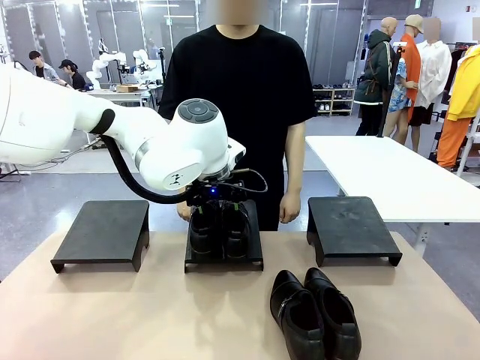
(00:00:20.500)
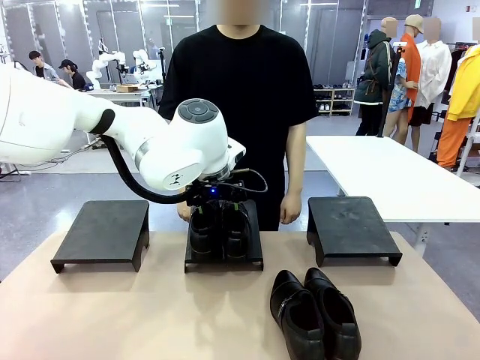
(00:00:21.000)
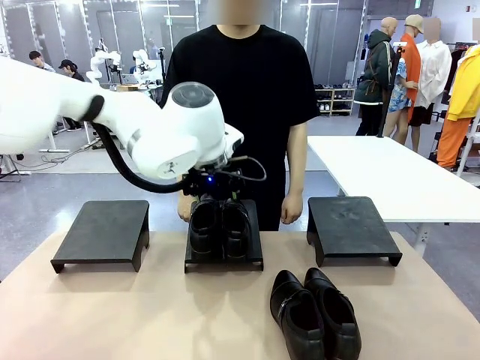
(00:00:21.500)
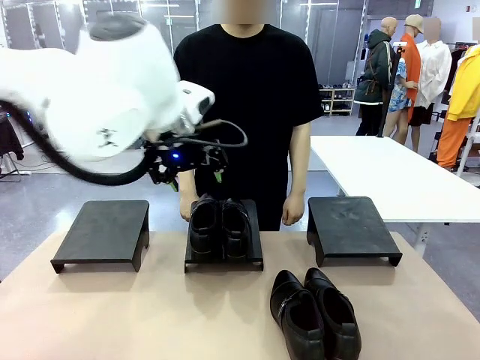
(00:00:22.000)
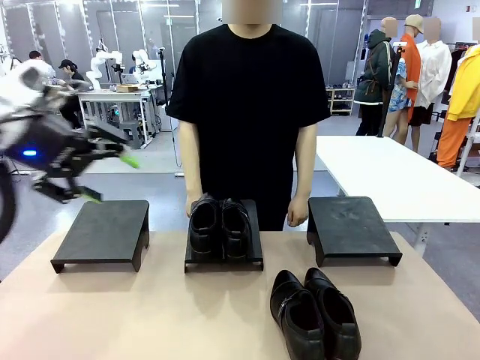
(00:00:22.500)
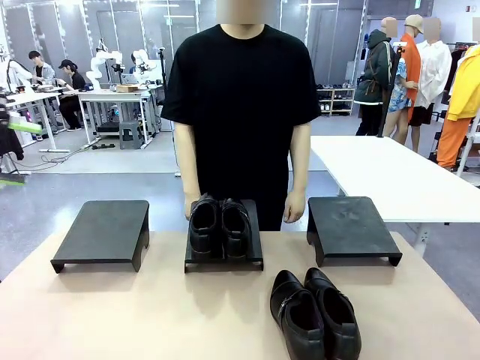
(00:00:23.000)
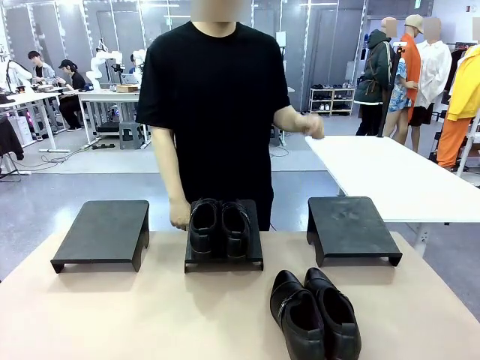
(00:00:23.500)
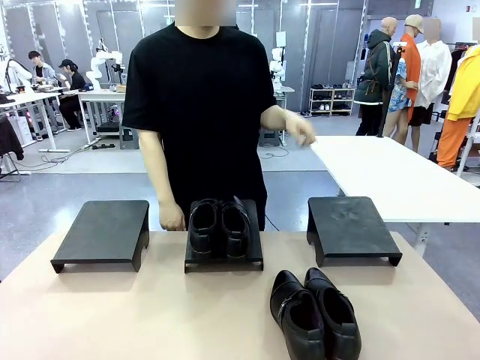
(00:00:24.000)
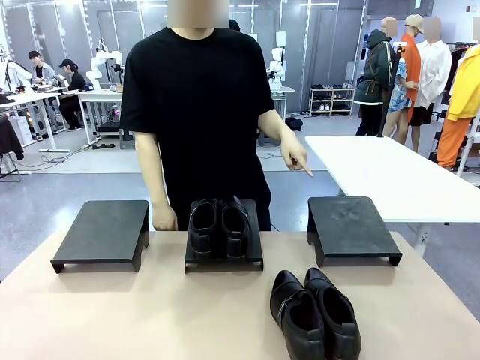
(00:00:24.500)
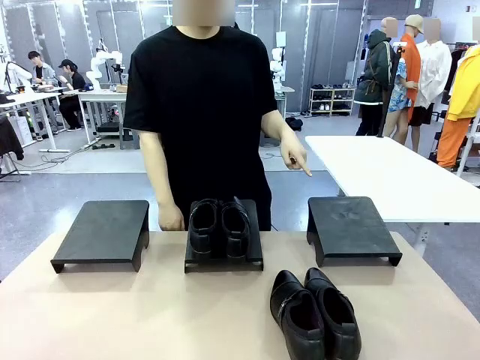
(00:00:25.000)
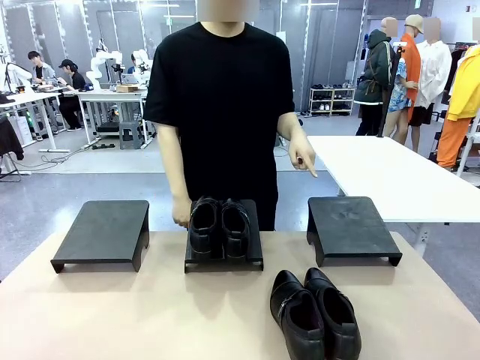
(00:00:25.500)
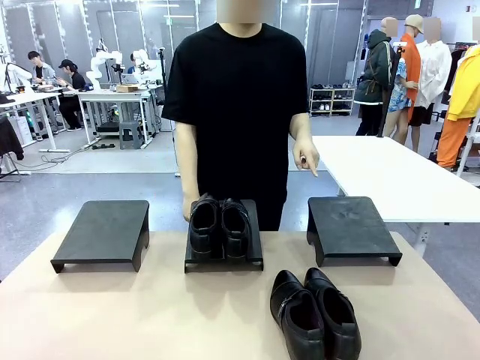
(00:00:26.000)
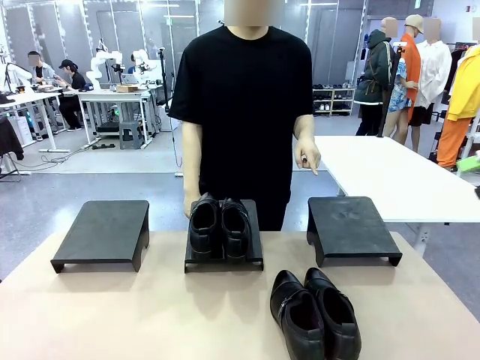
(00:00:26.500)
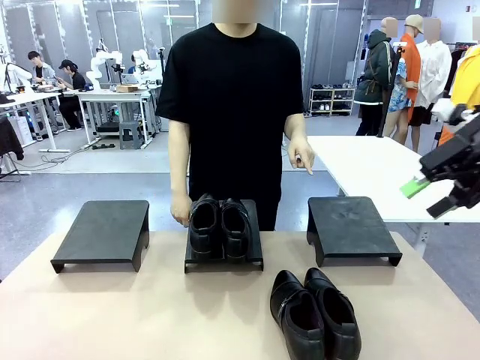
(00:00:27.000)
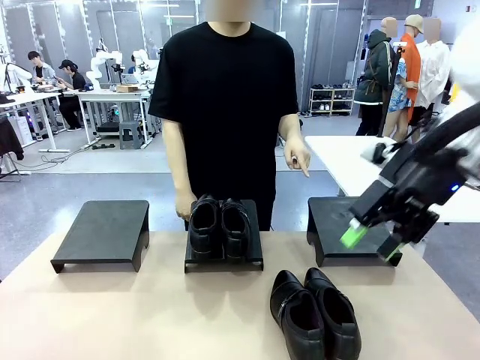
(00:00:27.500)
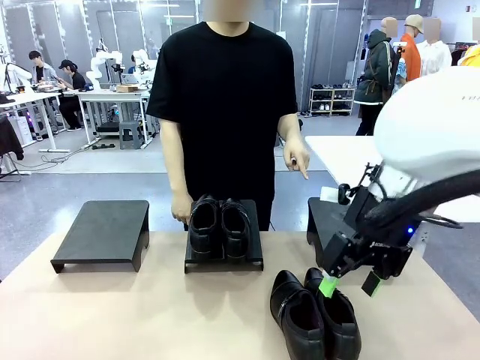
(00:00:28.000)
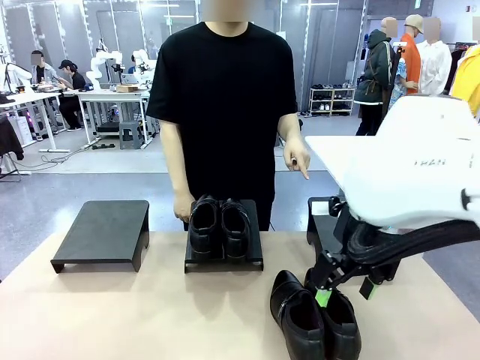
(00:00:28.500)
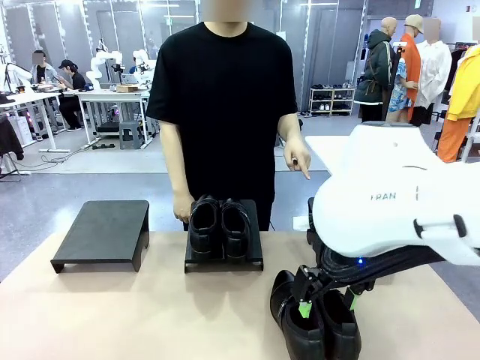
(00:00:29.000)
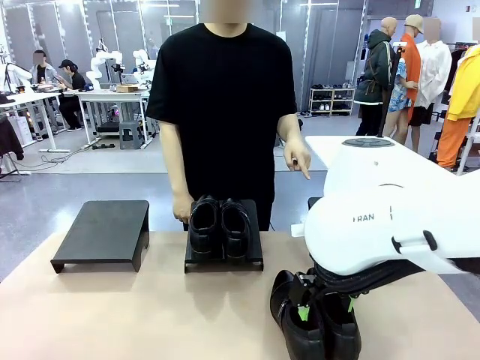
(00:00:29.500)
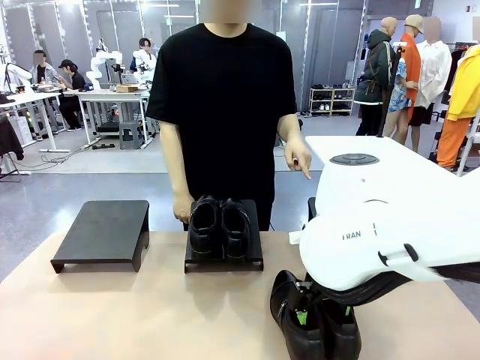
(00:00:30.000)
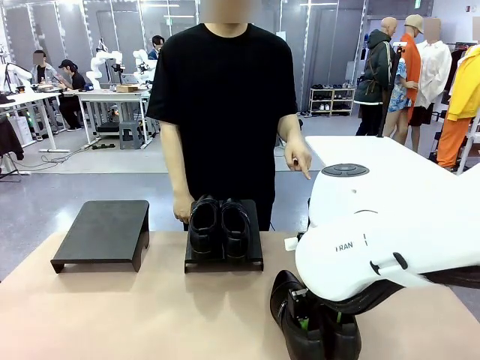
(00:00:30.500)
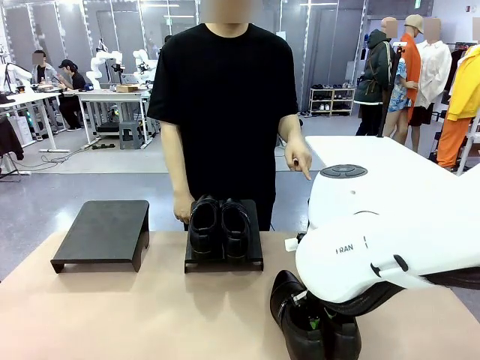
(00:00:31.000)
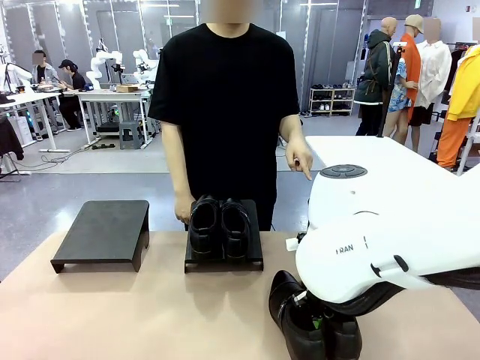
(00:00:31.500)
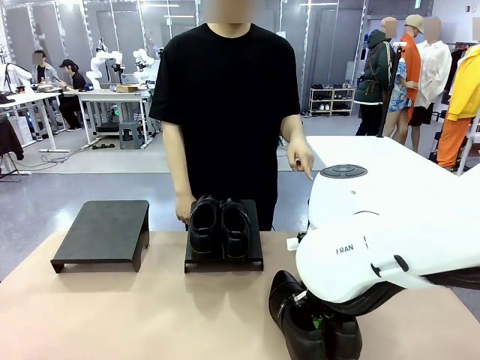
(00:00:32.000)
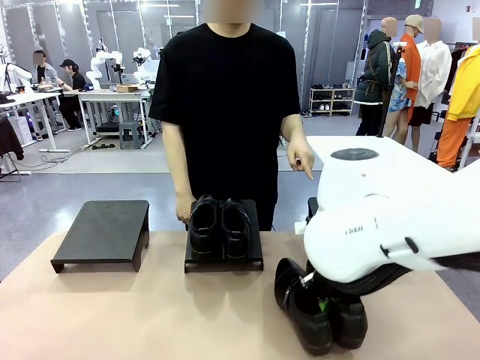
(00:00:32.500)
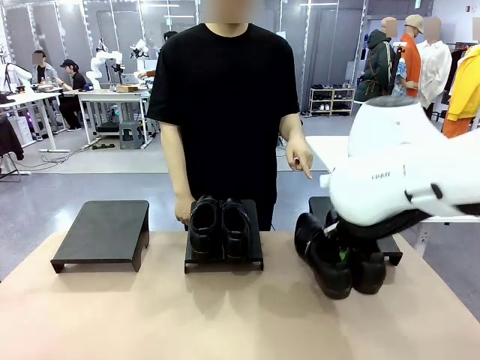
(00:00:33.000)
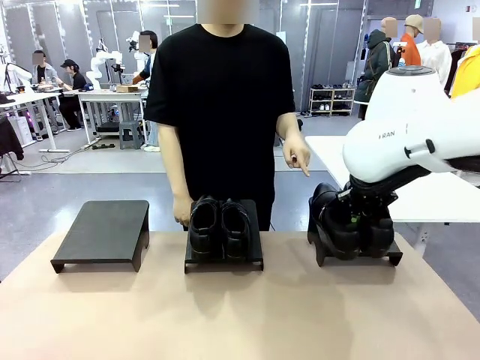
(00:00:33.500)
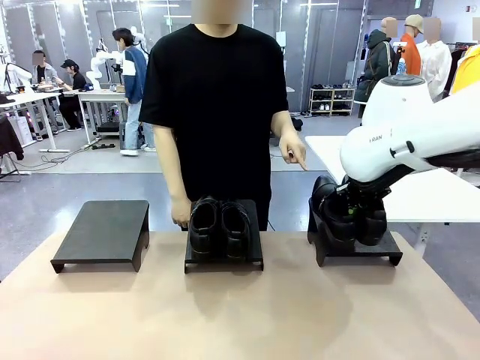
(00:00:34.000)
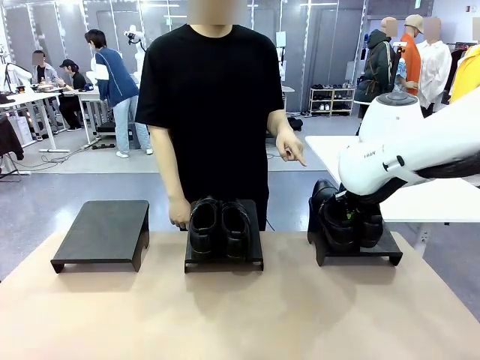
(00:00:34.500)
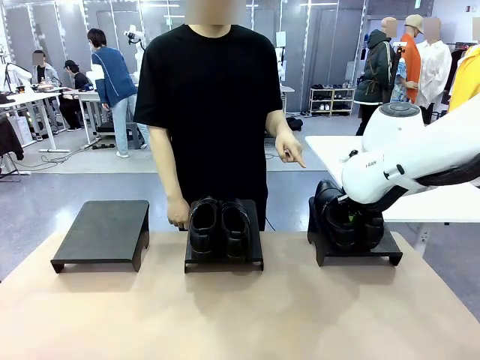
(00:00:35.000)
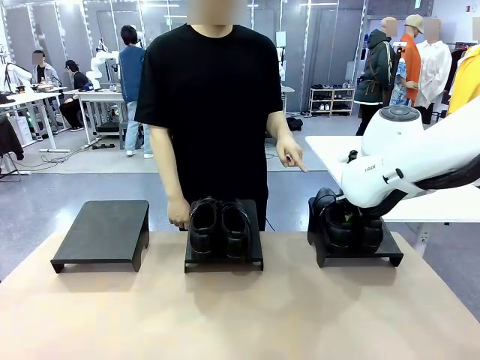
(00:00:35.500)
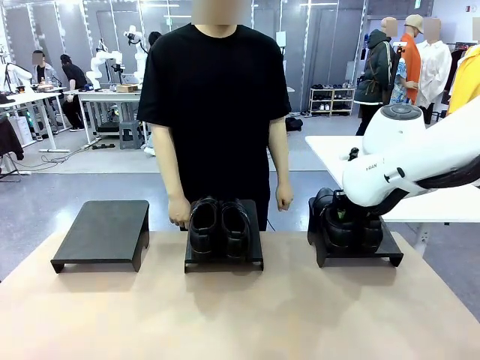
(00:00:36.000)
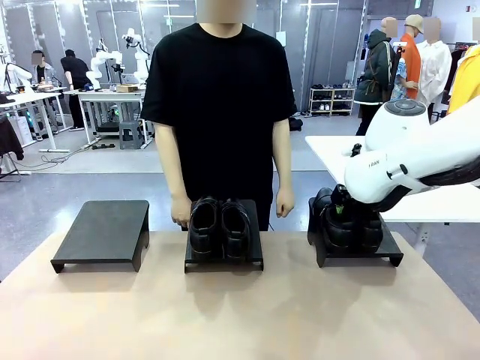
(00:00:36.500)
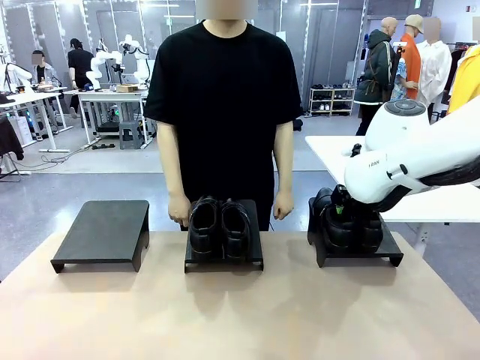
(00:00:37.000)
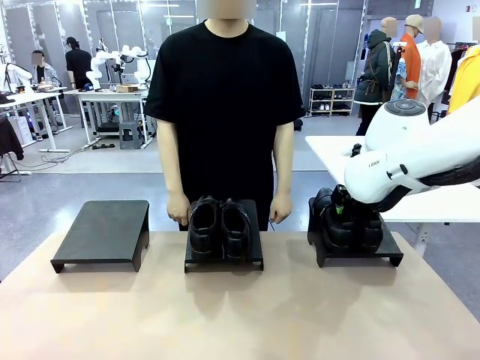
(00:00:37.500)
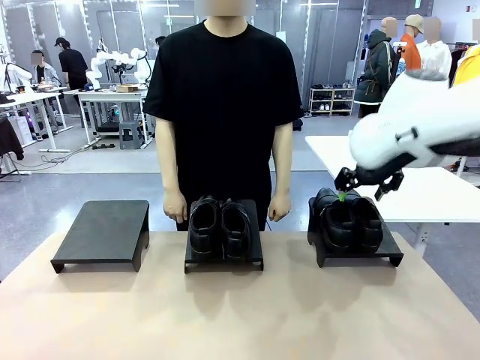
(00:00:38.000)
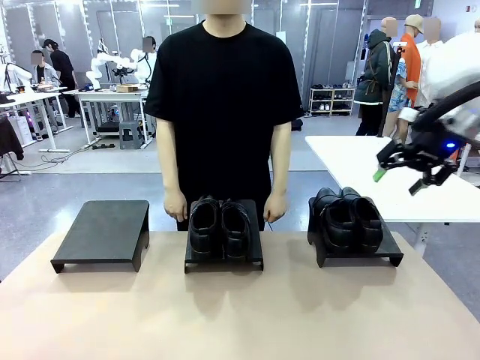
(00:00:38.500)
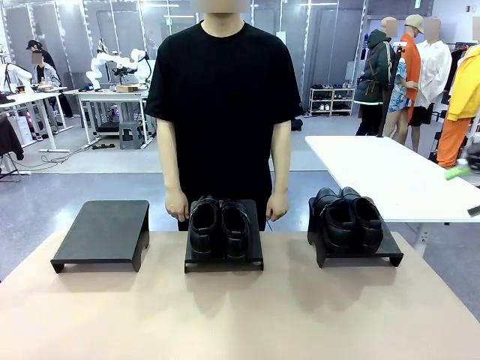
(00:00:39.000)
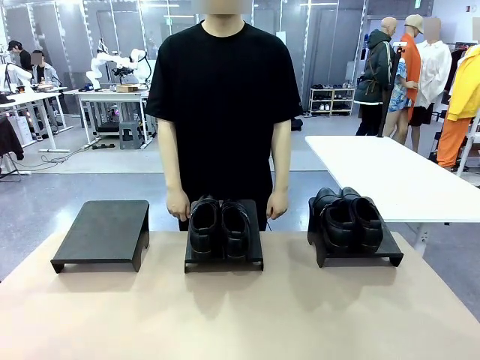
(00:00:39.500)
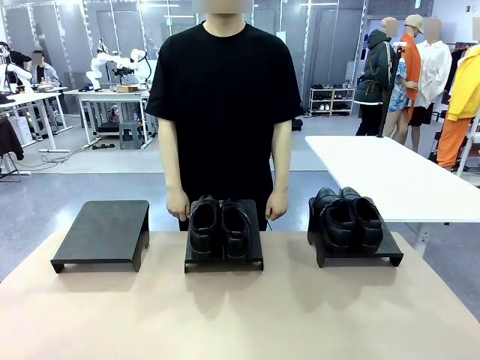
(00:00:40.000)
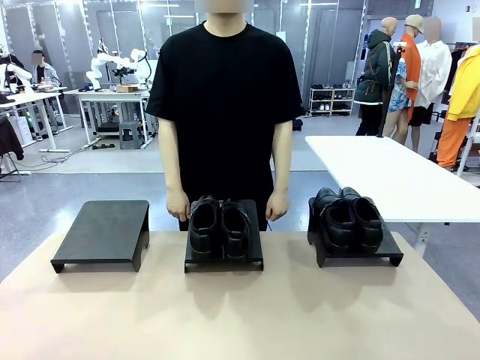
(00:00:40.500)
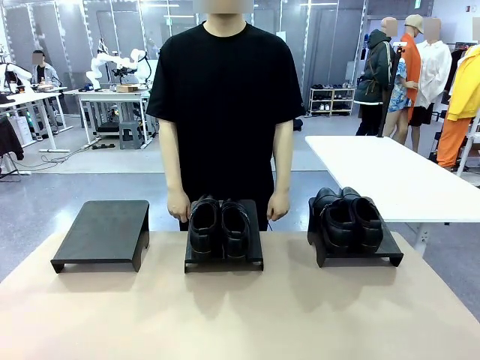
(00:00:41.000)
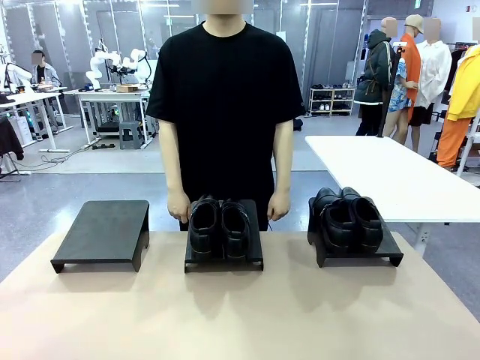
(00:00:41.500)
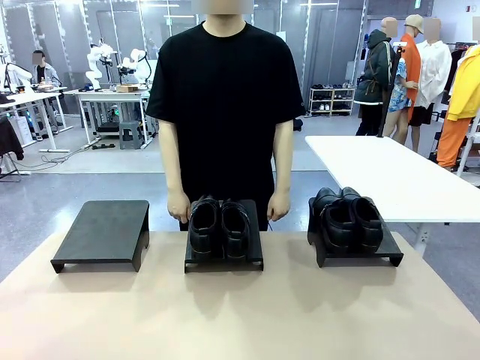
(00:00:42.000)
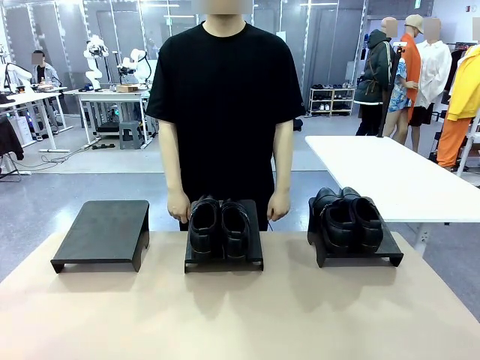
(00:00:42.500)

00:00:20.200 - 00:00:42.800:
Task: Place the shoes on the stand as instructed by the person.
Robot: Pick up another pair of Shoes and place it on the Shoes Stand indicated by the person.
Person: Point to one Shoes Stand.
